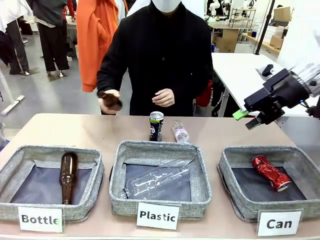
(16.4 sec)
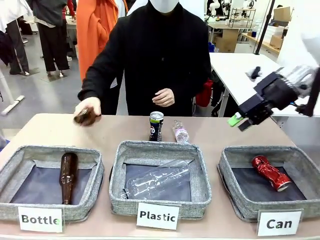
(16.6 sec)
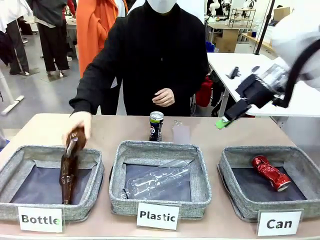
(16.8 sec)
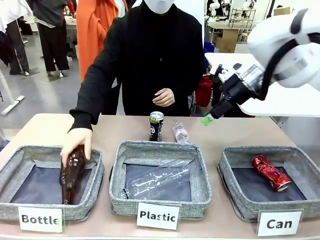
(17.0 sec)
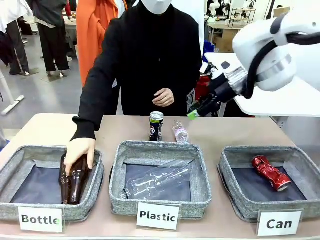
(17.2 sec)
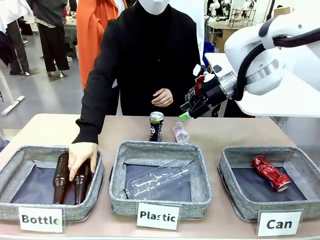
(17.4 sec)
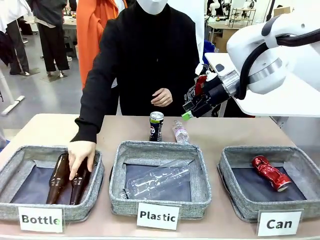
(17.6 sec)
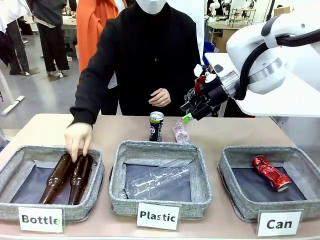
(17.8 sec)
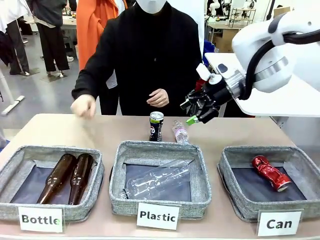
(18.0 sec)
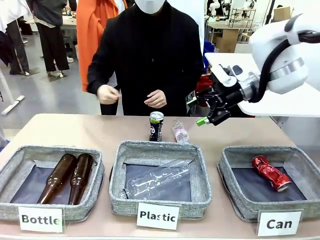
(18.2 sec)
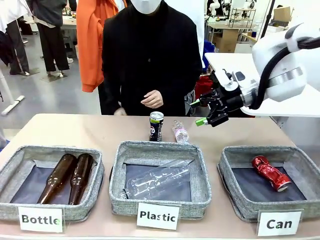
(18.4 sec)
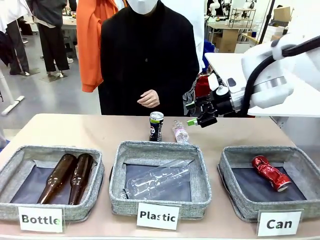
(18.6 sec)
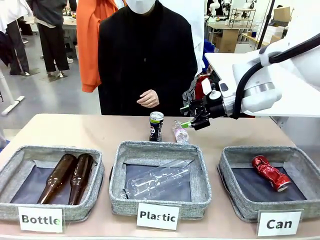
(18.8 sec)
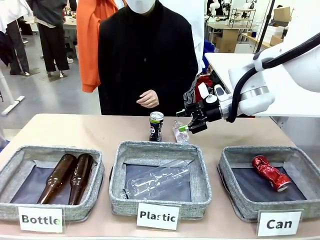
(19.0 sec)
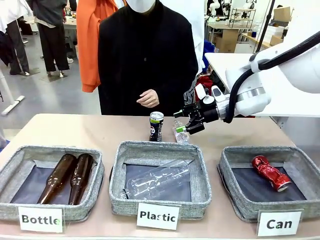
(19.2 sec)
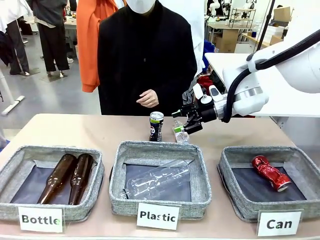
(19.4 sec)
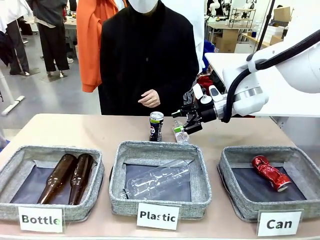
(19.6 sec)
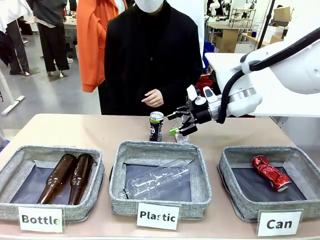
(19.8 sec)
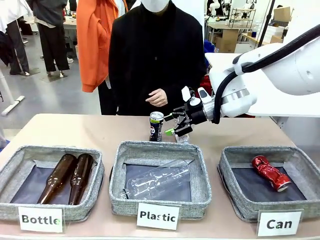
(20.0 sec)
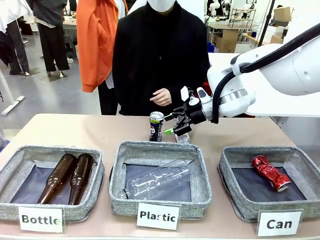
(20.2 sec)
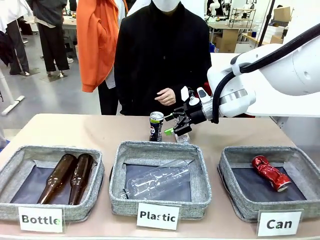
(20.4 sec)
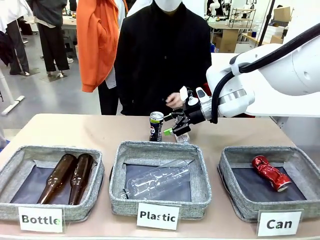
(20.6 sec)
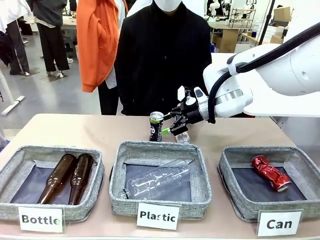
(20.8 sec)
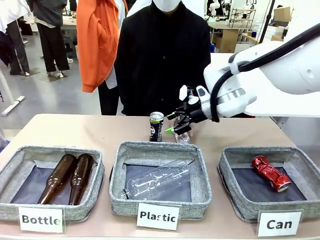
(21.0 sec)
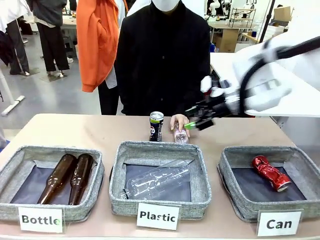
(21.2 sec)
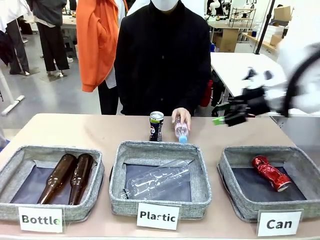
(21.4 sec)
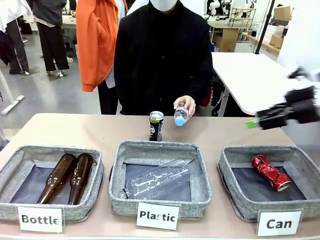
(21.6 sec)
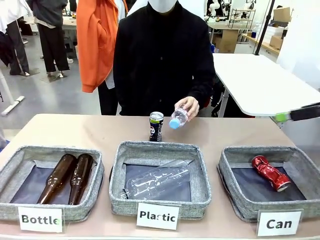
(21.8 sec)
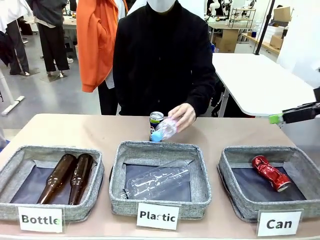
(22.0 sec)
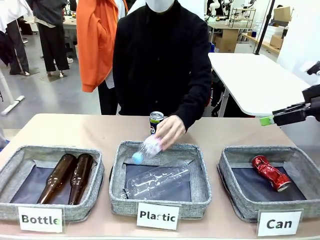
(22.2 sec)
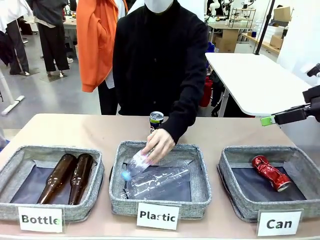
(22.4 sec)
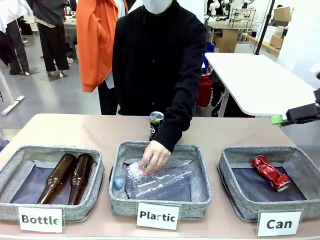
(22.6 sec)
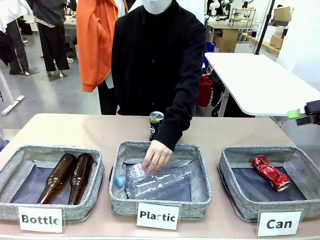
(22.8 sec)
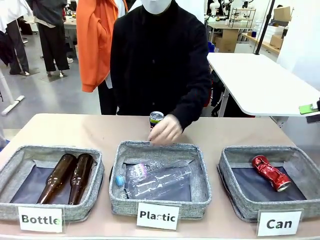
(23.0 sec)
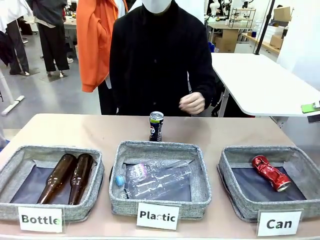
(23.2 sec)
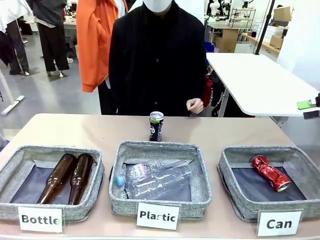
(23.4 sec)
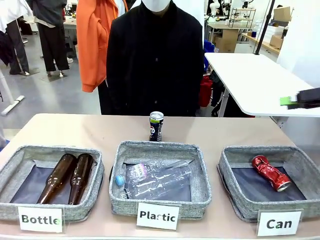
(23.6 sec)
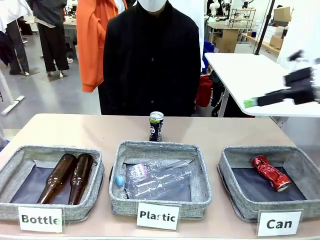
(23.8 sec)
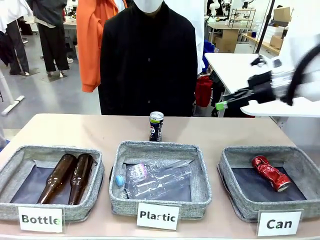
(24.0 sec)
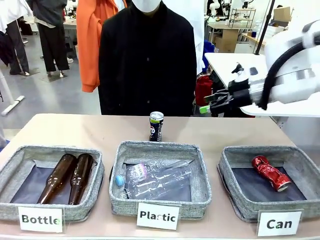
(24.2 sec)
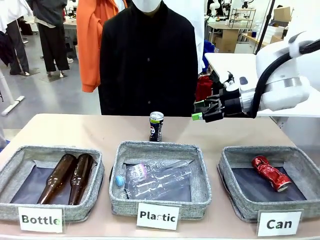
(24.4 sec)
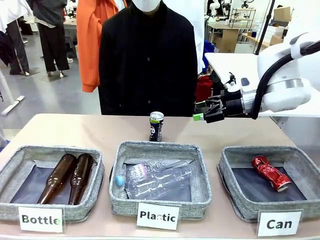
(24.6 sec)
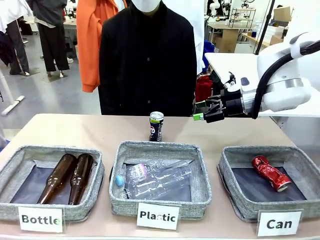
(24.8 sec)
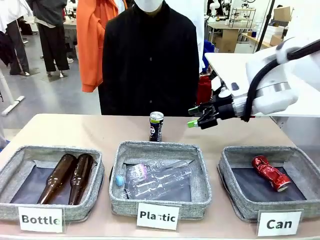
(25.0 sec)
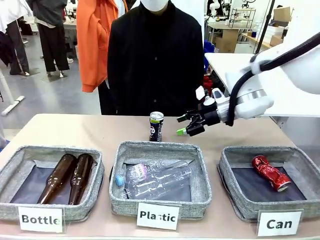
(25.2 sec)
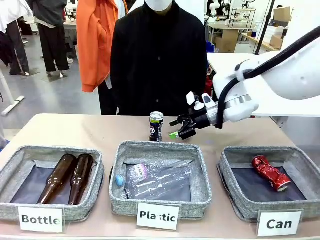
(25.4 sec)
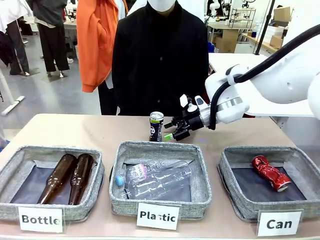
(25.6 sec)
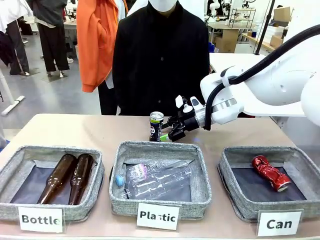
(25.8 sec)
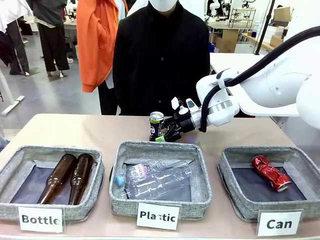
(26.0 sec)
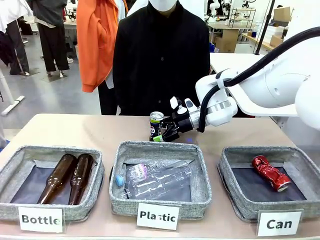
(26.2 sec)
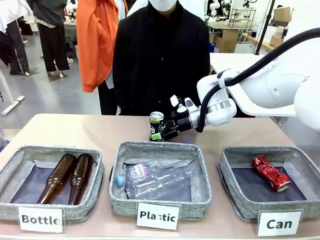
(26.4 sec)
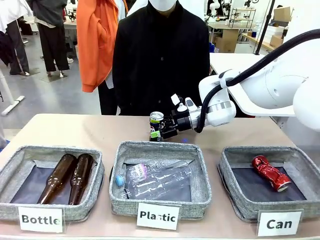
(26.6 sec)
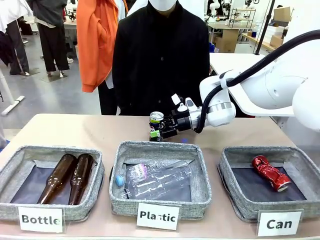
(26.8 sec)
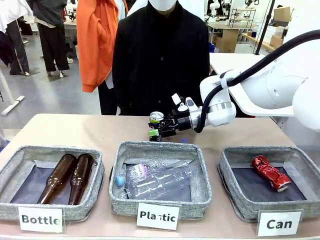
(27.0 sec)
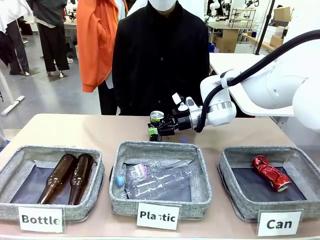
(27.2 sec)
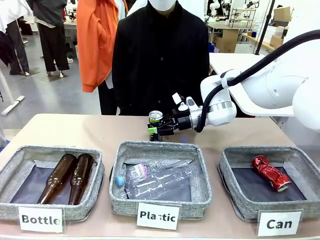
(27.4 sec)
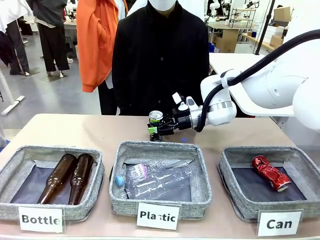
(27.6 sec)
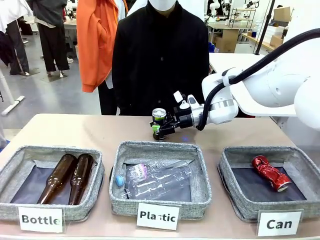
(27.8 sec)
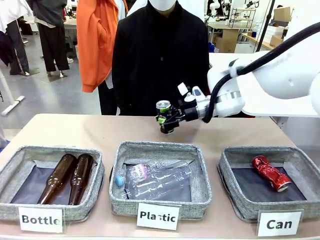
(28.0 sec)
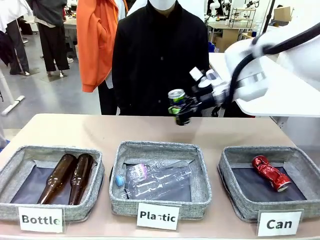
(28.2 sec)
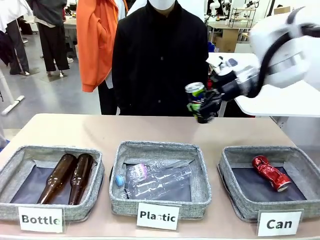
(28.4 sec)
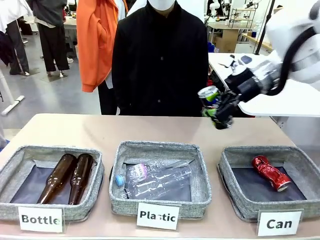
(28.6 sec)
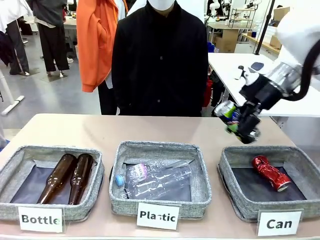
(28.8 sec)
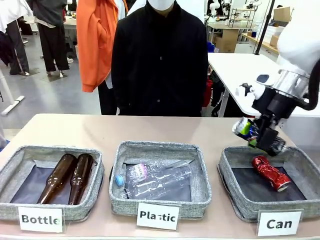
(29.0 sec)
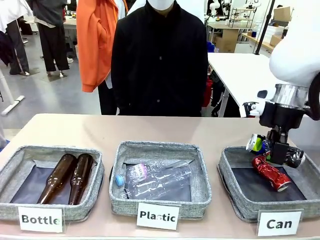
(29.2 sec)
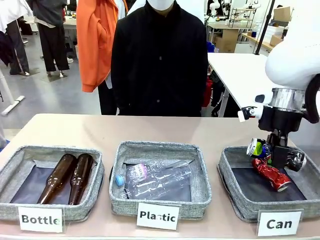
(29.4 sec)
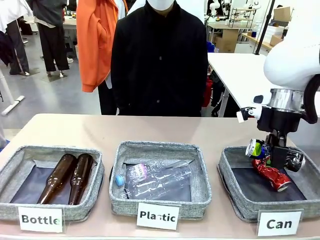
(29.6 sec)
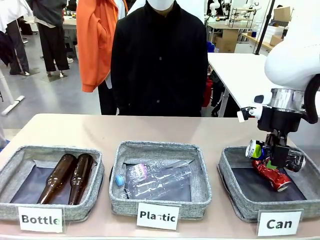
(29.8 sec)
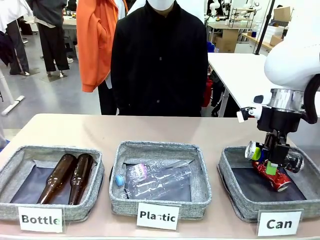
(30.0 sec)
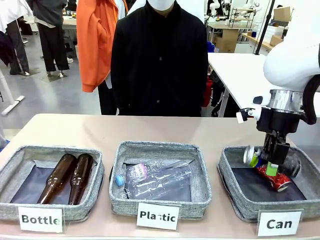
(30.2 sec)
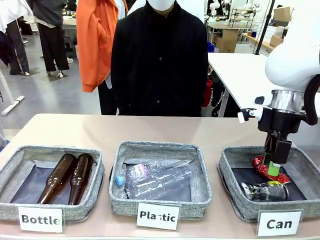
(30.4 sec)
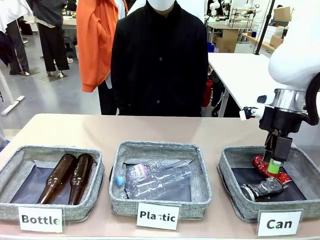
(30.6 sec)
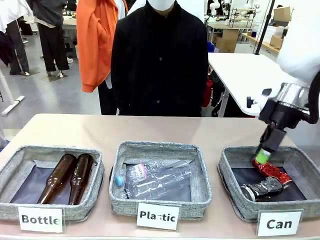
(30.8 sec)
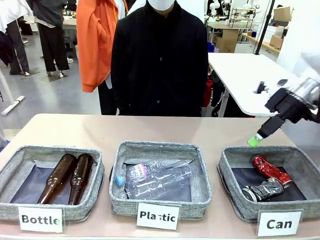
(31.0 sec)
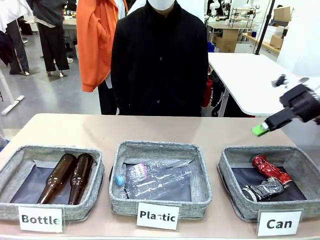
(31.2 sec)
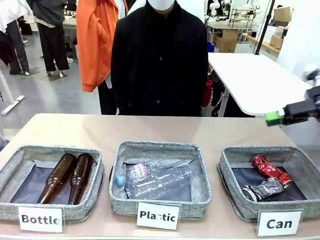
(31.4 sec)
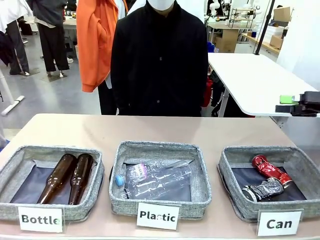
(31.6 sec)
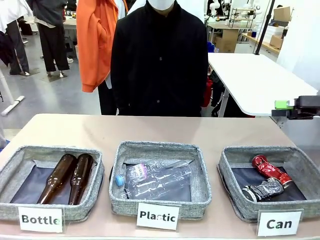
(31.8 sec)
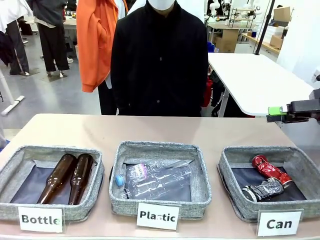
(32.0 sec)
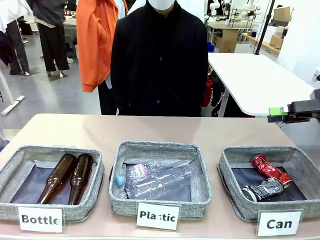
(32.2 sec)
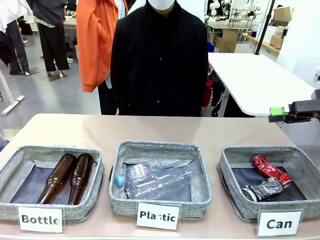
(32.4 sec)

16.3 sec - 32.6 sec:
Task: Sort the can waste into the basket.
Robot: Pick up the can waste from the table and place it in the right Fabric basket.
